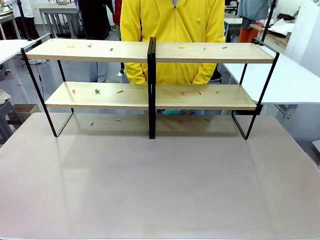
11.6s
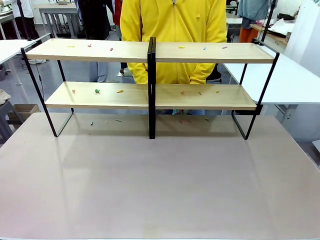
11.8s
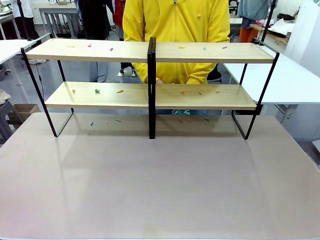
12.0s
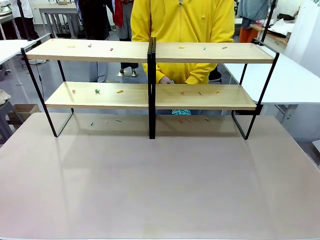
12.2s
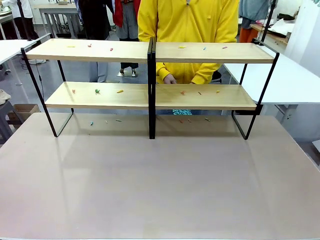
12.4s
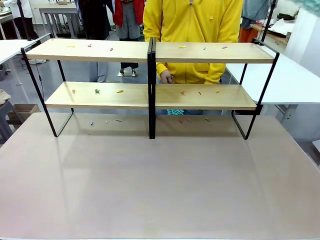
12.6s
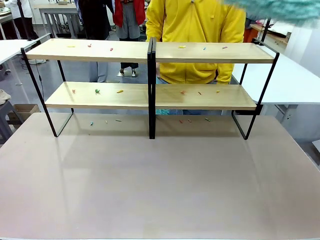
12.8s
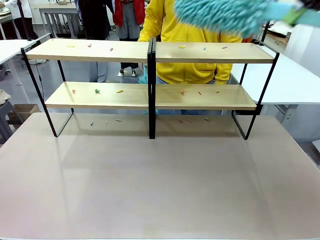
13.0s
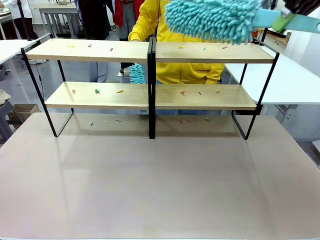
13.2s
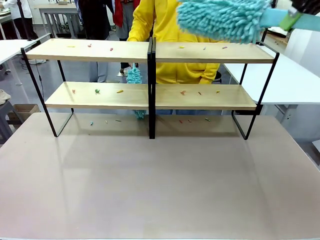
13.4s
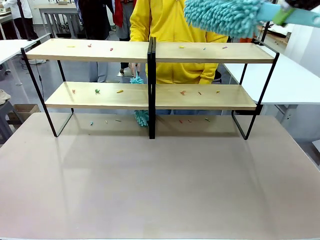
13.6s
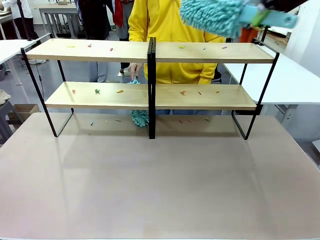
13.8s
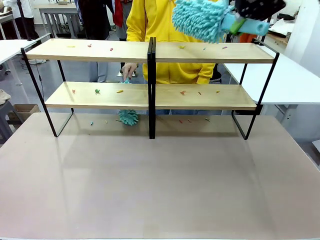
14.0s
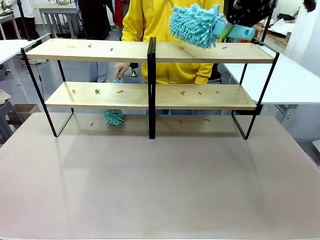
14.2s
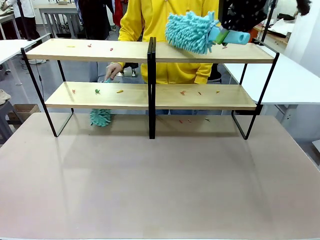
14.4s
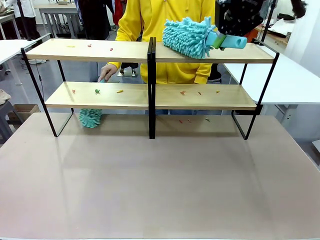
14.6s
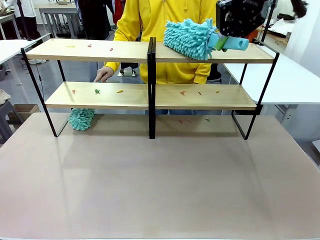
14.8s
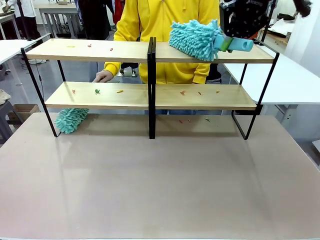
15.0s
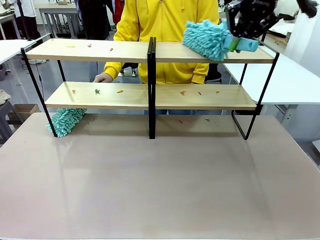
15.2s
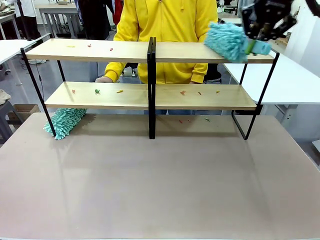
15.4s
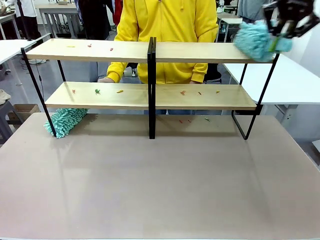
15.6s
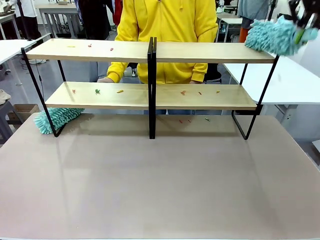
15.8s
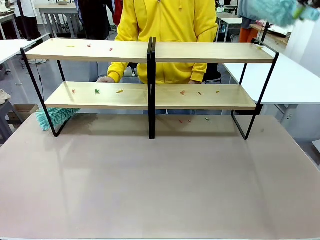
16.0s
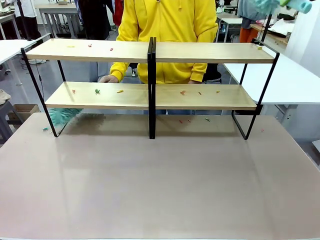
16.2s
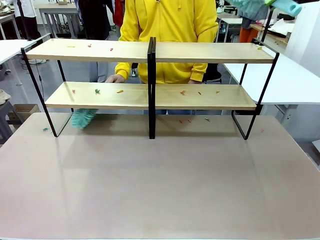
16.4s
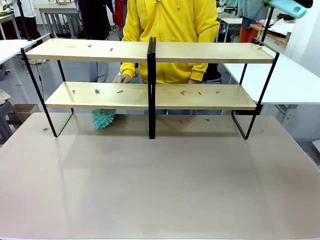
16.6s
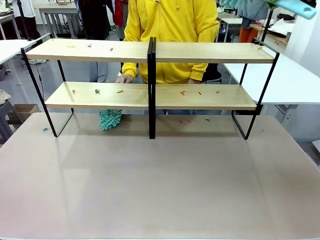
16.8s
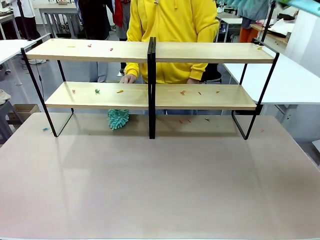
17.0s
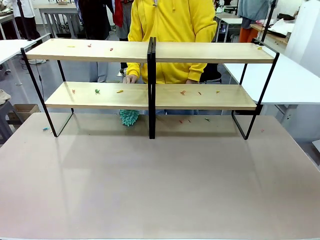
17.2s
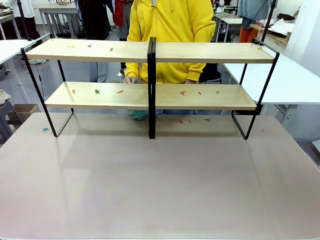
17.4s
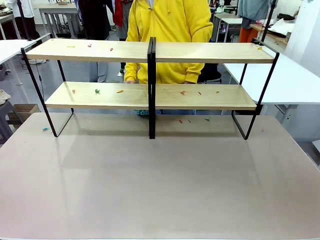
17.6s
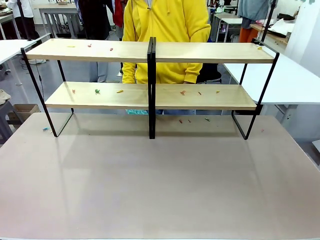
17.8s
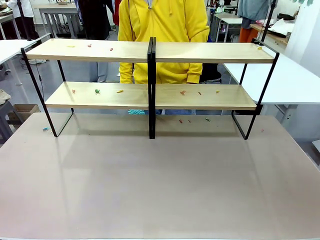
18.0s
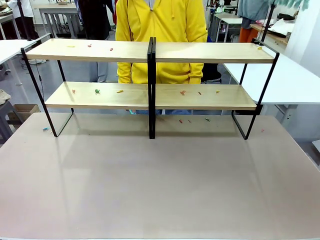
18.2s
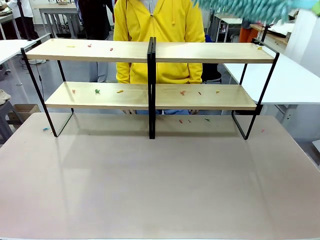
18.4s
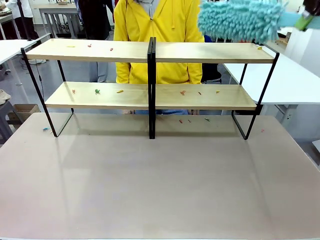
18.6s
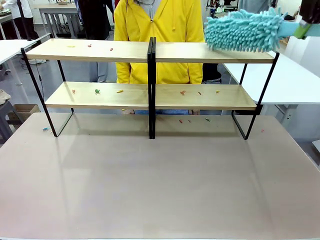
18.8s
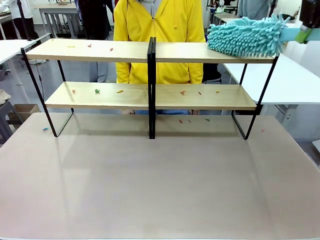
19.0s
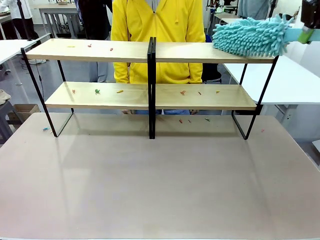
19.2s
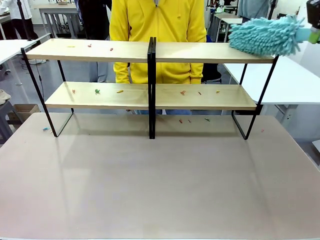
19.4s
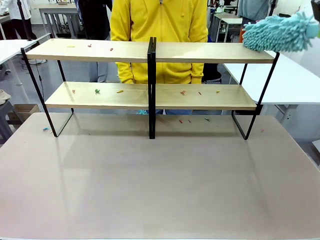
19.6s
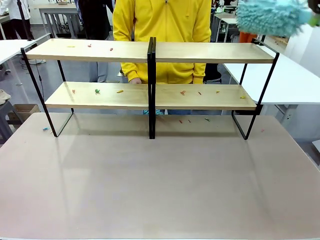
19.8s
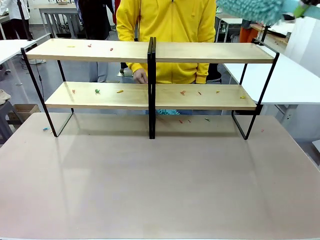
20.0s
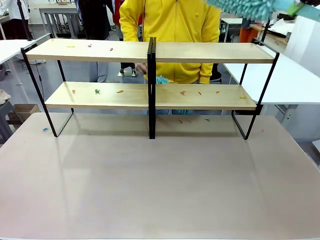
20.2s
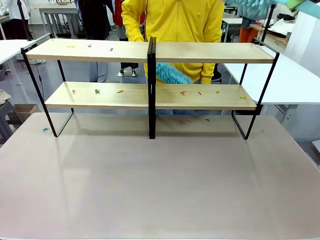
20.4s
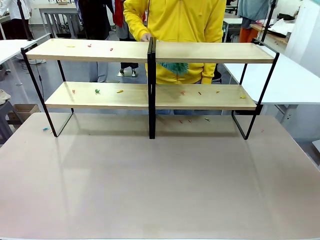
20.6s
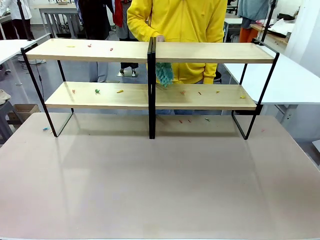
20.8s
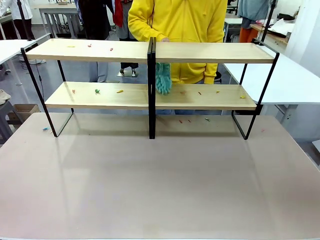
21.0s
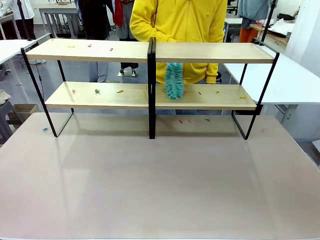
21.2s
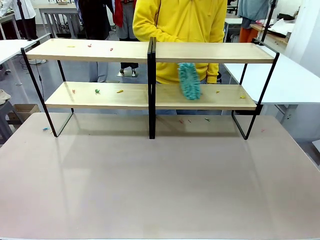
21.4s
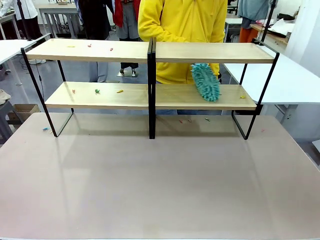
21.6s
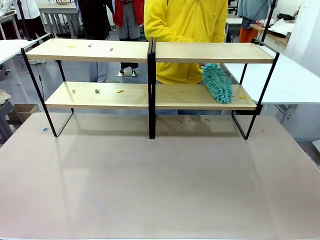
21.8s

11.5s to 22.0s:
Task: Clean the shelves.
Robot: Clean a randomly selected level of the Shelf with the Duster.

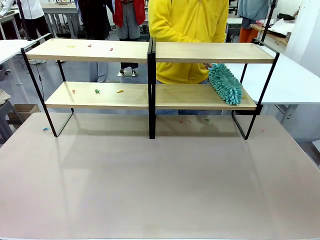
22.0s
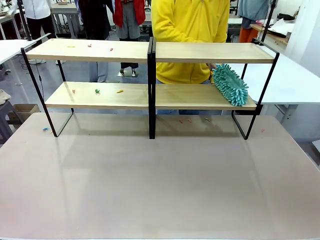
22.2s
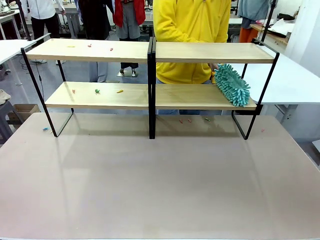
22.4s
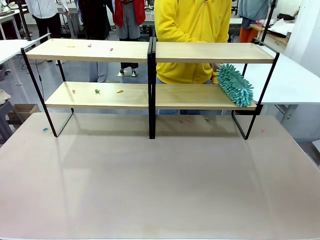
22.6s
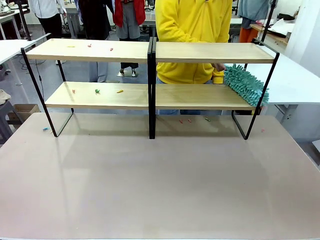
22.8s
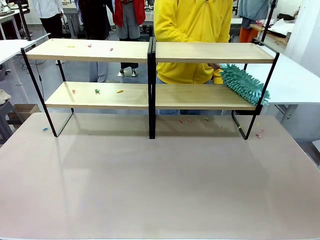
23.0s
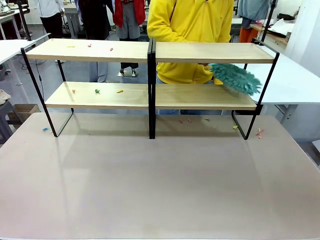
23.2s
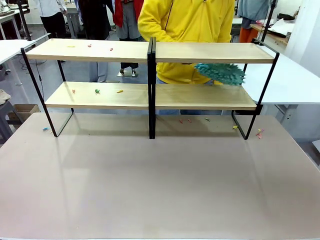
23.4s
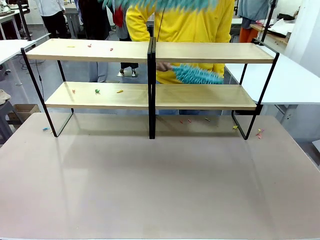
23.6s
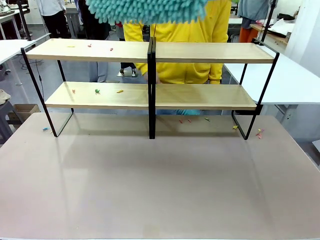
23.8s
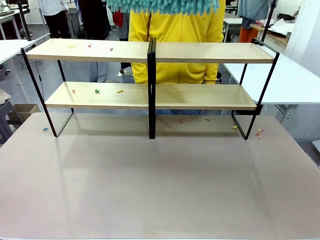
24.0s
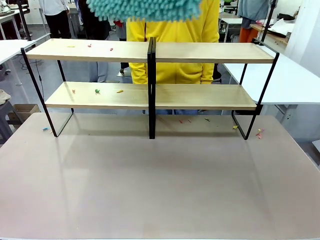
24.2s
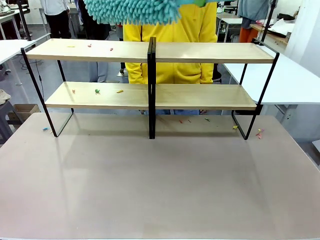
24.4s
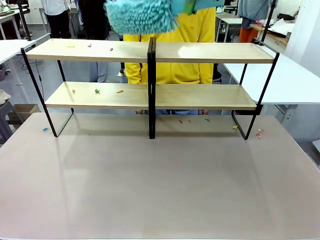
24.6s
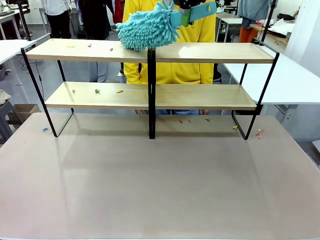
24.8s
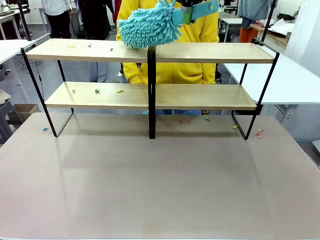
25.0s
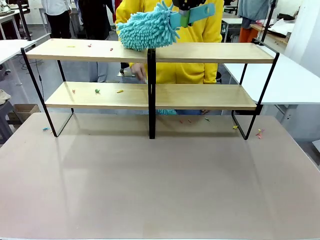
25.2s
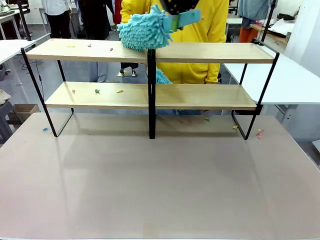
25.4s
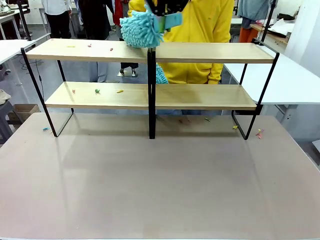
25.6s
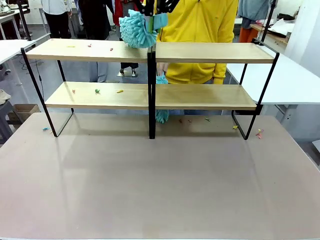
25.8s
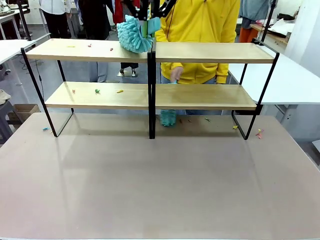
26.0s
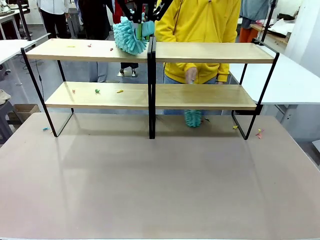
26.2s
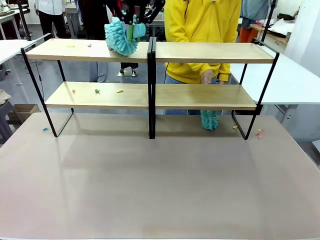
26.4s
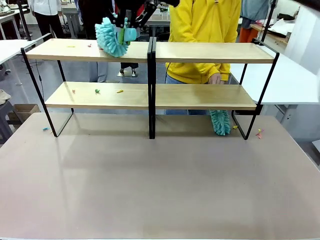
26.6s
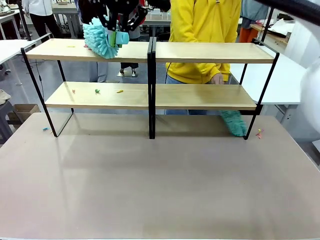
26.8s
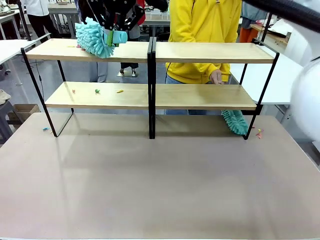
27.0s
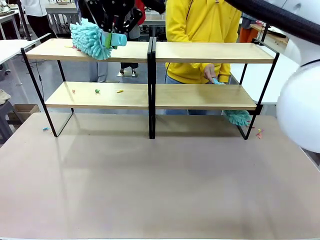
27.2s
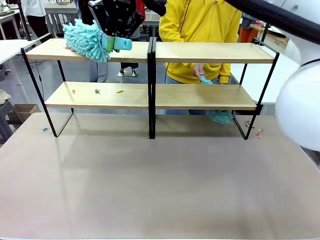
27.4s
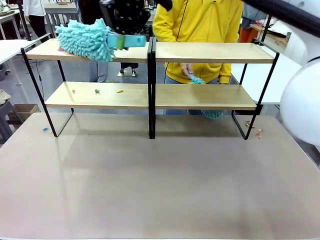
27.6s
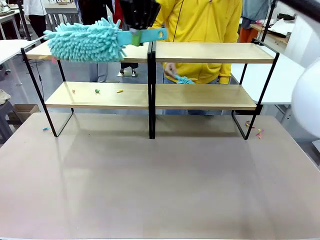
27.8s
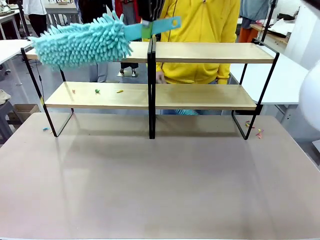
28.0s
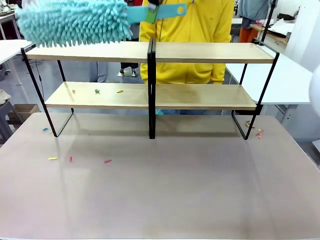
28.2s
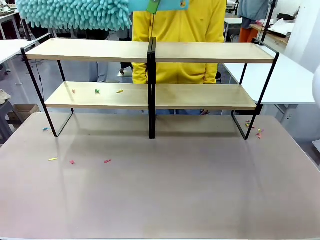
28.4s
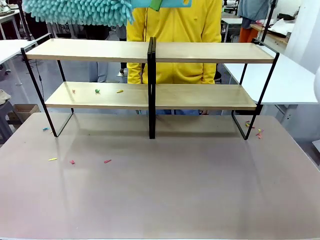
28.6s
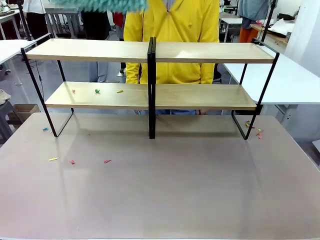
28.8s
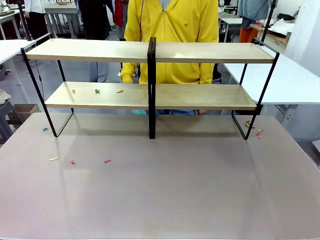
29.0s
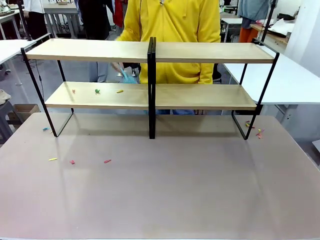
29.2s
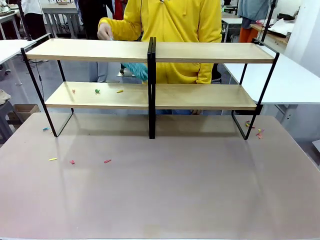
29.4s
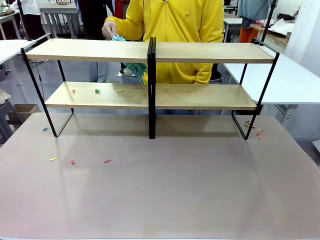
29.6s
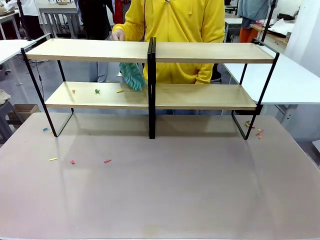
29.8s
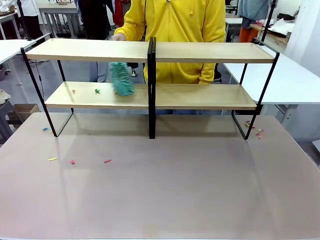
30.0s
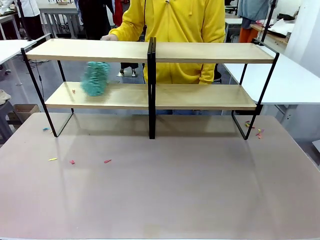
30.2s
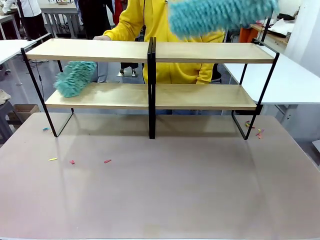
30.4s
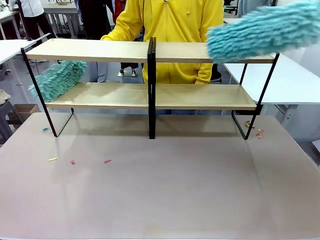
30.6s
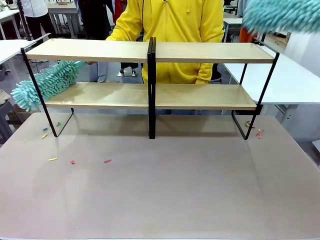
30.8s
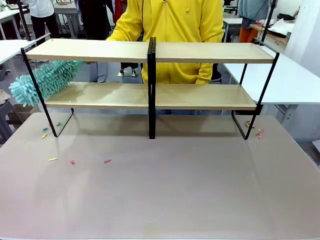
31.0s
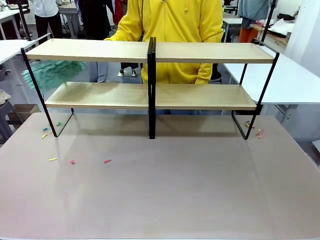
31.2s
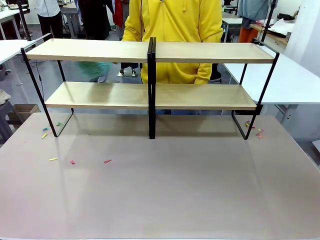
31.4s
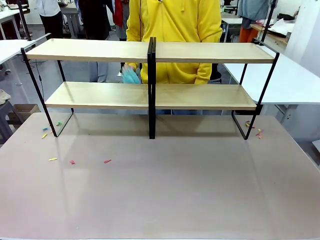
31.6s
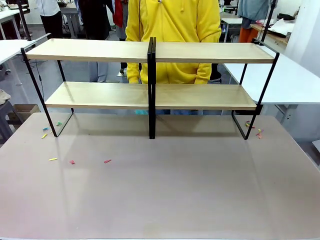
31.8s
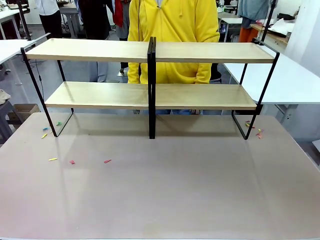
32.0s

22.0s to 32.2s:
Robot: Clean another randomly selected level of the Shelf with the Duster.

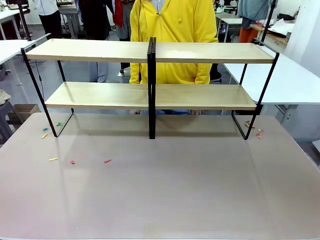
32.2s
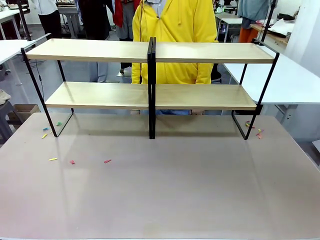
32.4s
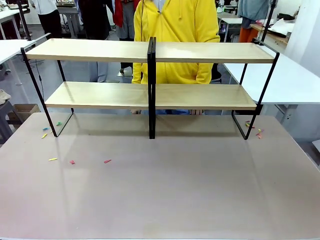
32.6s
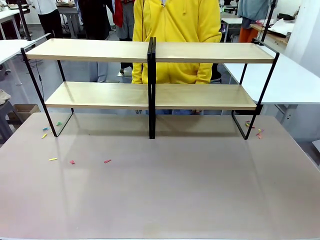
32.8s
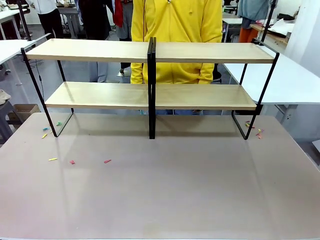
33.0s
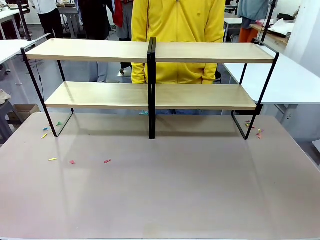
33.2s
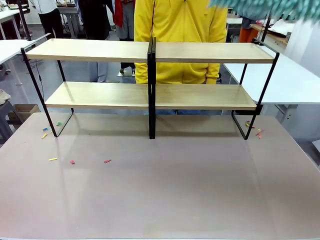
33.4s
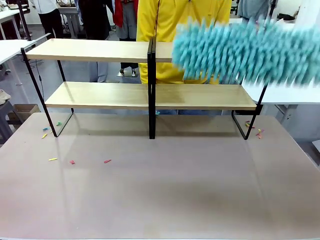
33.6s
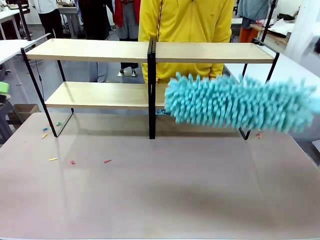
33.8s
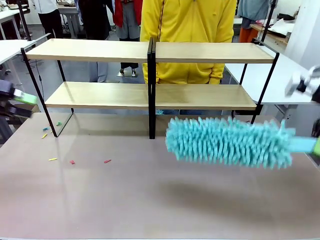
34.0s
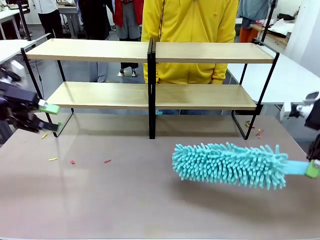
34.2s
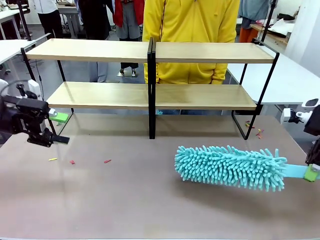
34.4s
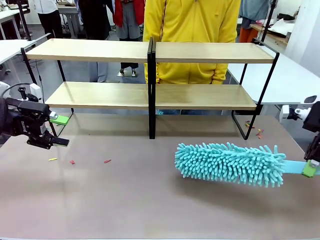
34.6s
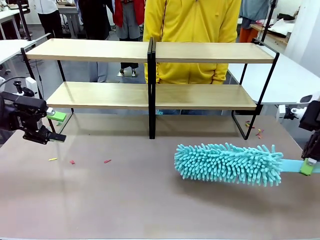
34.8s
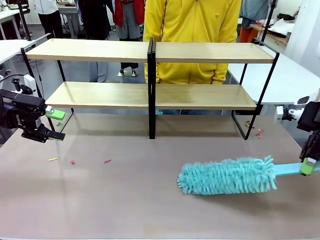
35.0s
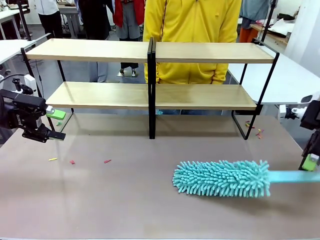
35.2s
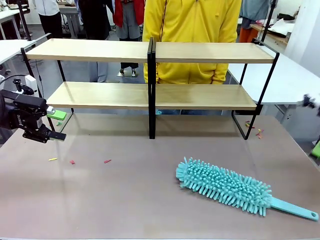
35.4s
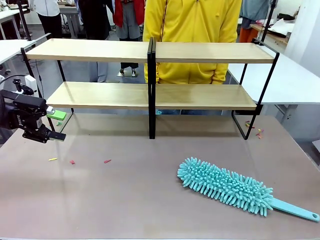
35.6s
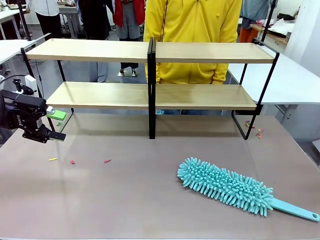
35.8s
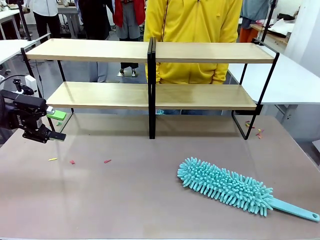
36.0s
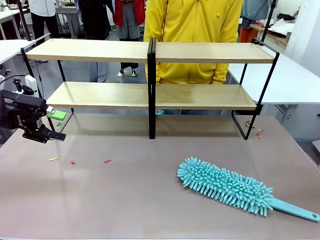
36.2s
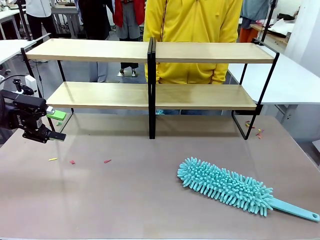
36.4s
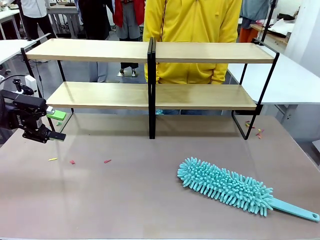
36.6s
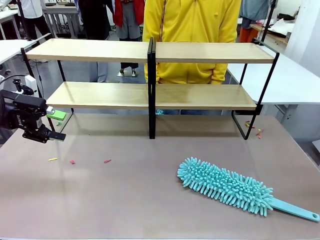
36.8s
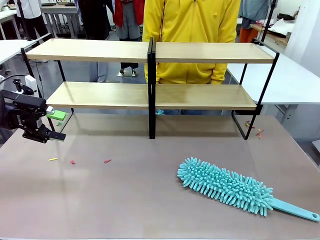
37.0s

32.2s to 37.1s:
Robot: Place the Duster on the table.
